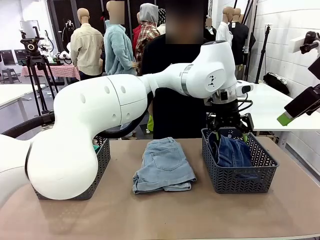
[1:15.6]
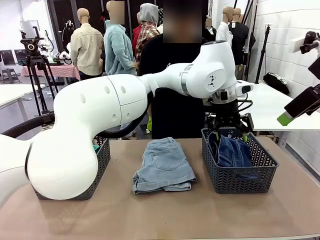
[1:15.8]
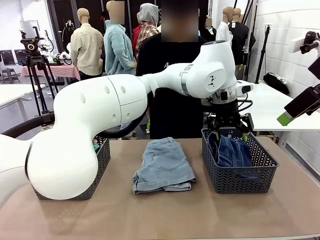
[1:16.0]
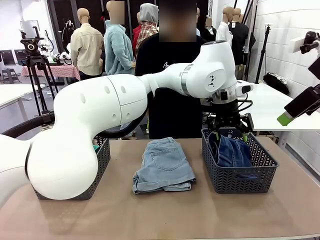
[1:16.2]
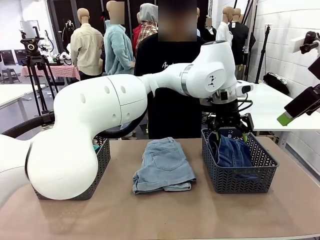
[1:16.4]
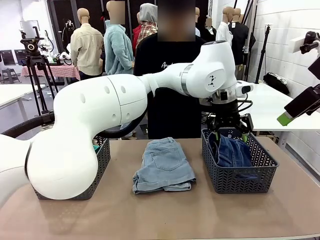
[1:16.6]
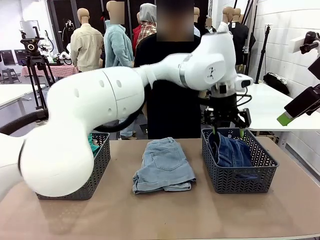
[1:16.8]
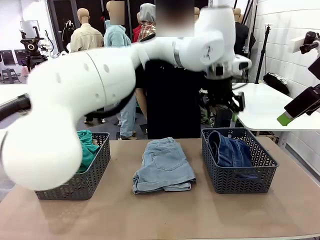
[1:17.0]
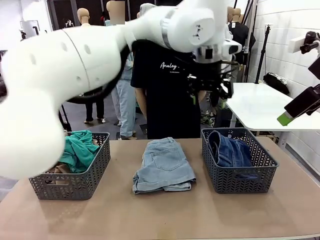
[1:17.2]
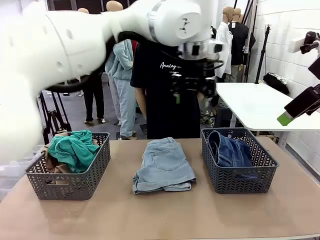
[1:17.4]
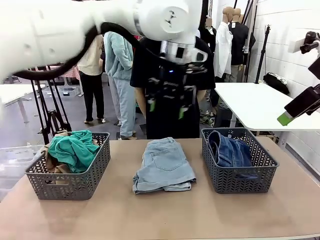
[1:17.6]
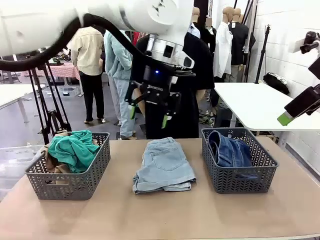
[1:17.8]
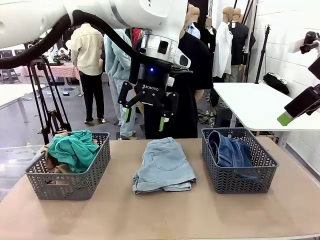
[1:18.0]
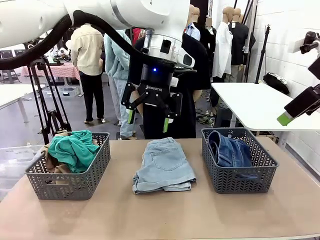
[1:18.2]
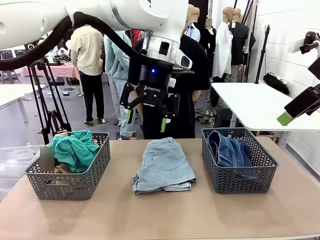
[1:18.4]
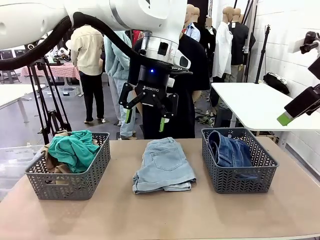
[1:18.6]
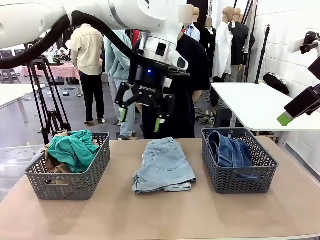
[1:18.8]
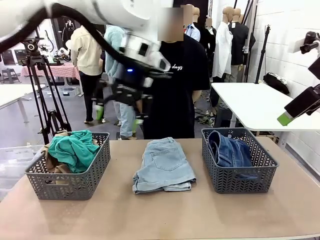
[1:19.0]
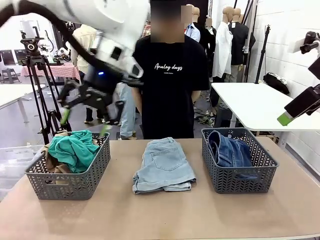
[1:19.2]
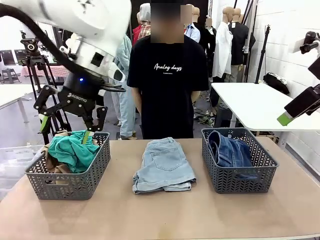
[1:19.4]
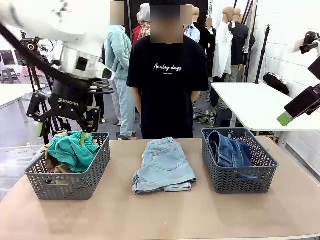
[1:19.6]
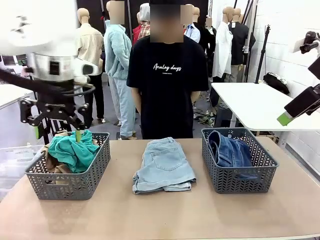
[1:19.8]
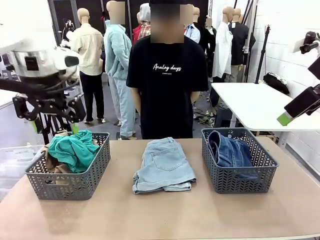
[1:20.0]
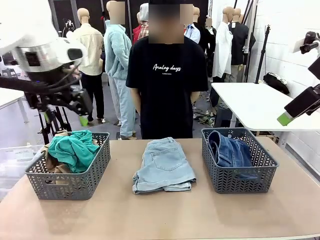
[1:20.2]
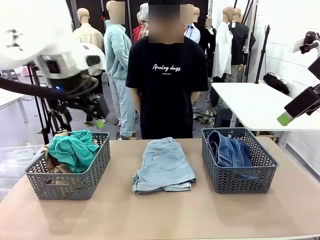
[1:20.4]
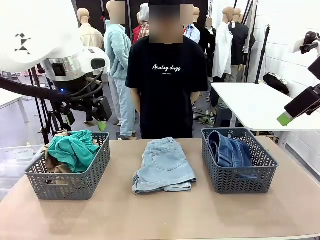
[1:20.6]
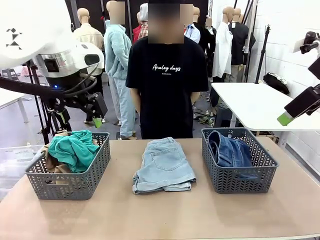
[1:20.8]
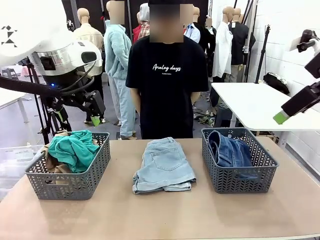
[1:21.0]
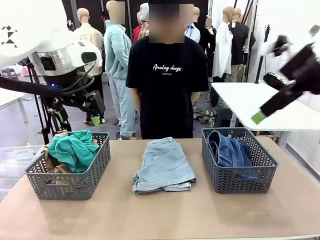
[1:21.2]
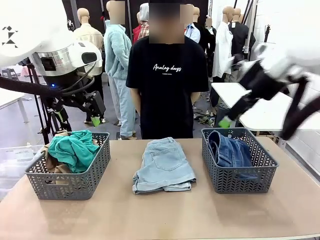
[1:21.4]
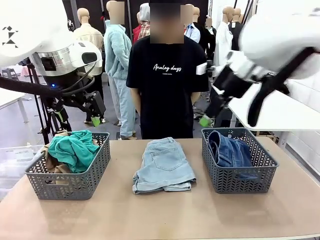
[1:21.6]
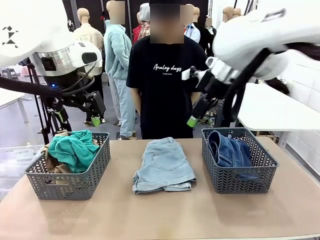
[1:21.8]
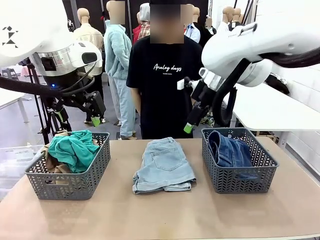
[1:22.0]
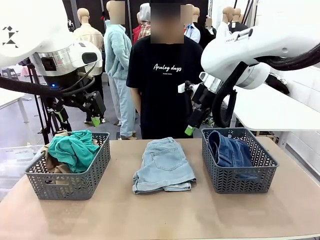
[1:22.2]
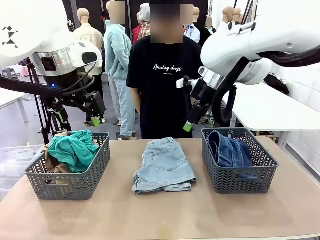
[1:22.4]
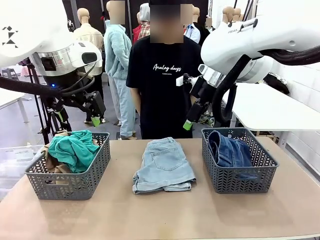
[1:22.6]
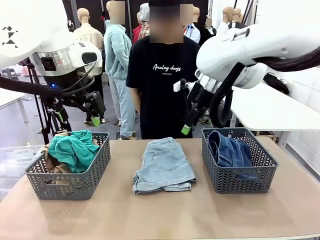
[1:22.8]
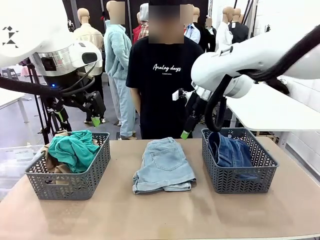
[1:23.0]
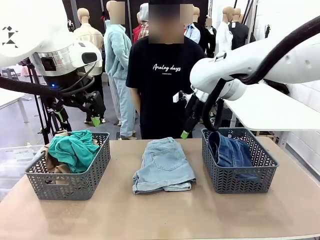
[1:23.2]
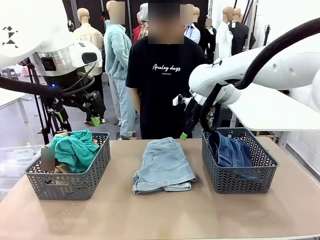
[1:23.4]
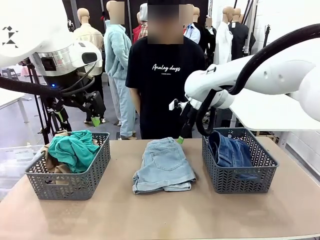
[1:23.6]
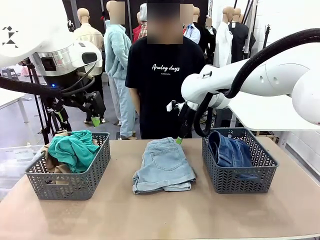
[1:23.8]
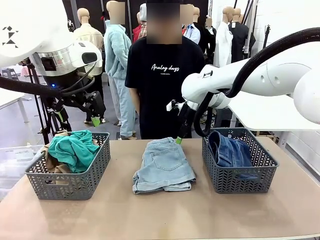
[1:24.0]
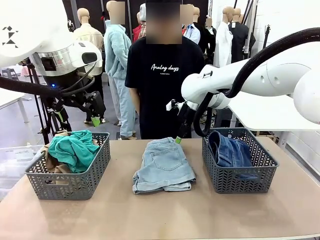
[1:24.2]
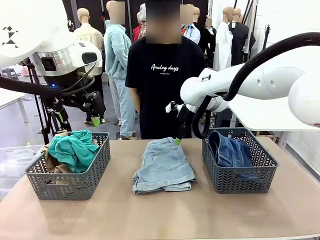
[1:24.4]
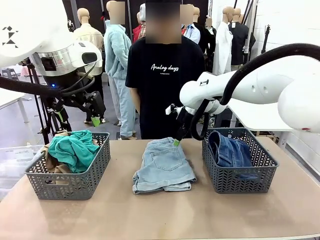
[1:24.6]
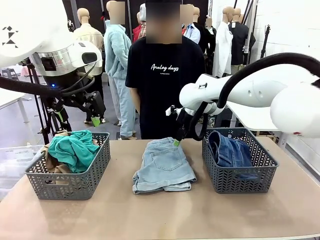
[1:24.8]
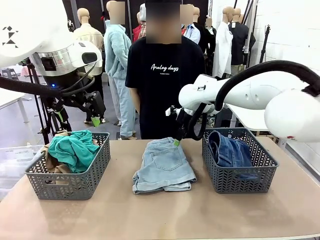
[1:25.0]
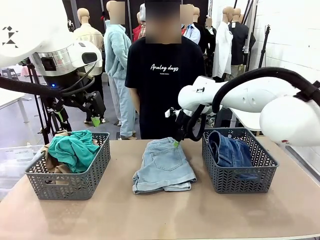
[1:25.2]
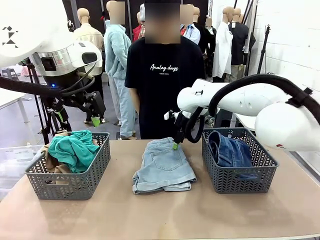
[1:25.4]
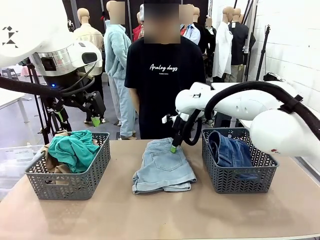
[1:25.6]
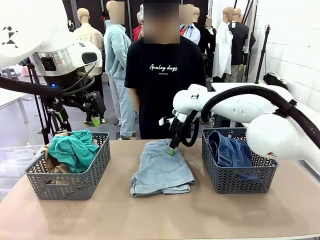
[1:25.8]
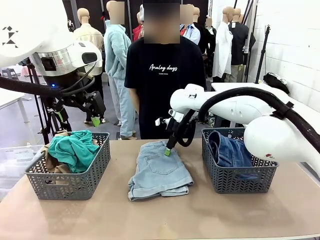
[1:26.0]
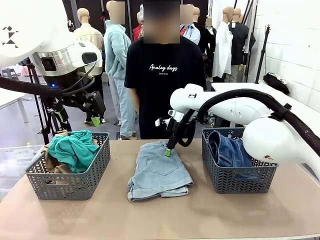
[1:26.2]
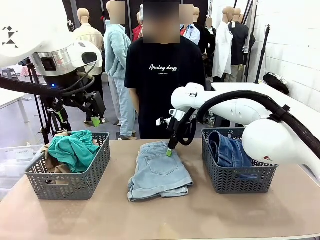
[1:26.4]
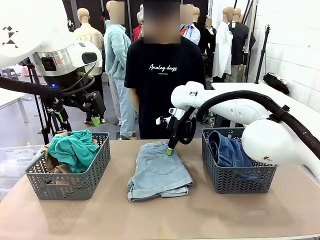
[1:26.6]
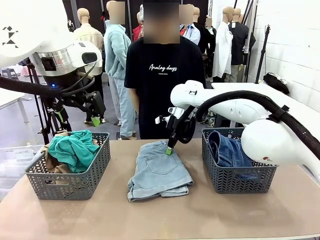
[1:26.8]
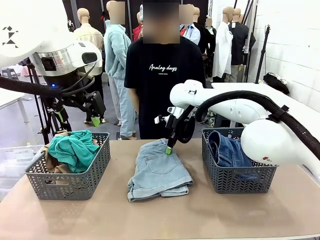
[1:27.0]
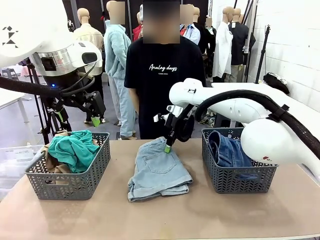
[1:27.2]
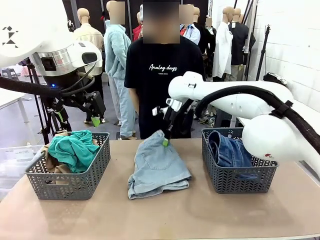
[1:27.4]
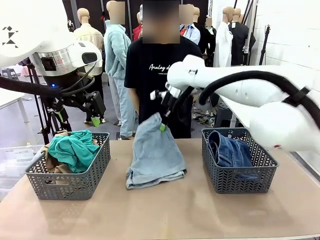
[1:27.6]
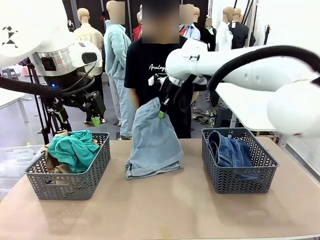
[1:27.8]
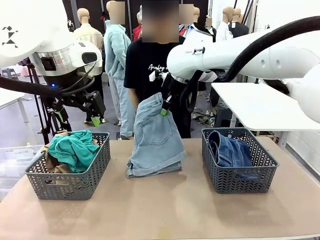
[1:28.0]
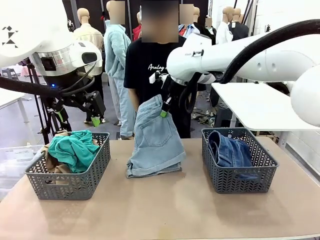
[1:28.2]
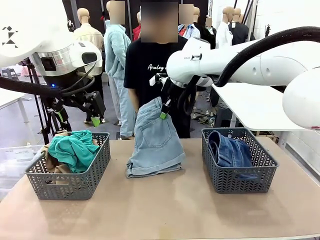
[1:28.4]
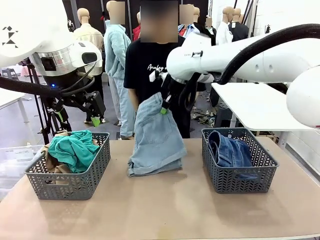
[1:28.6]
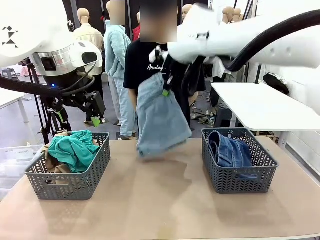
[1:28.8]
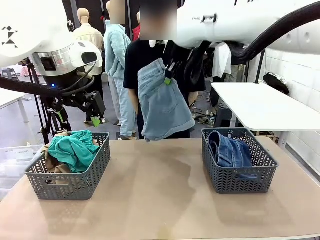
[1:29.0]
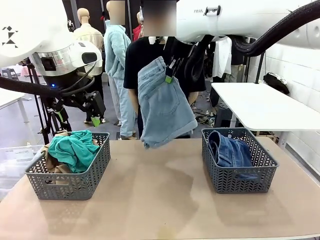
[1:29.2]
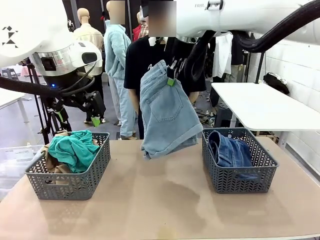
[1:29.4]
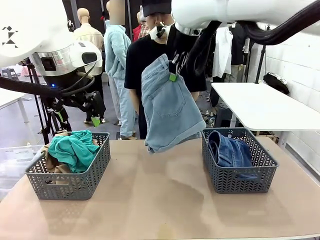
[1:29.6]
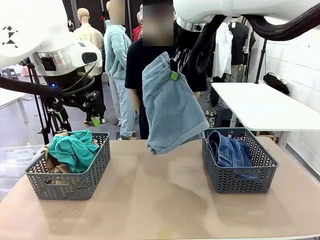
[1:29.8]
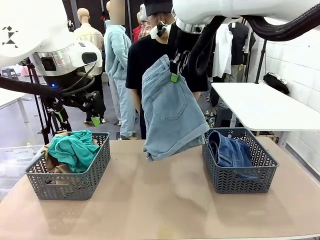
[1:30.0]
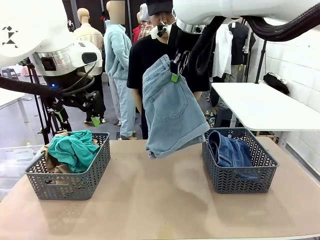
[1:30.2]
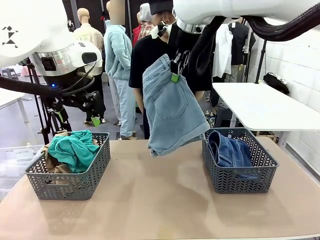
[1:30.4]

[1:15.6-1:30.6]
Task: Sort the tops and bottoms.
Robot: Lift clothes from the center of the table with your right hand.
